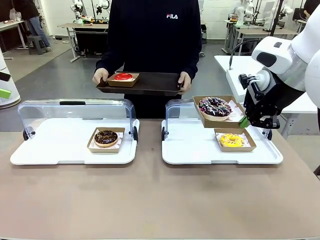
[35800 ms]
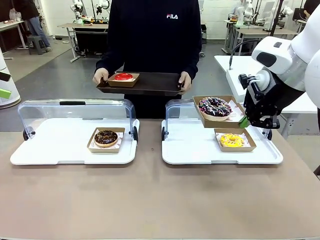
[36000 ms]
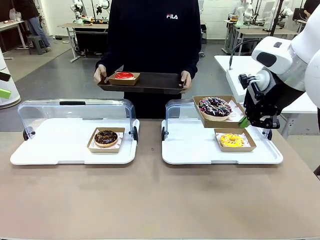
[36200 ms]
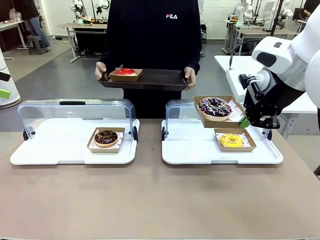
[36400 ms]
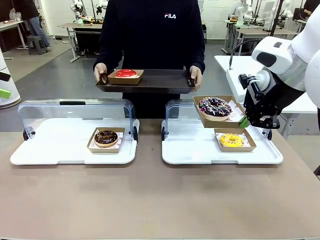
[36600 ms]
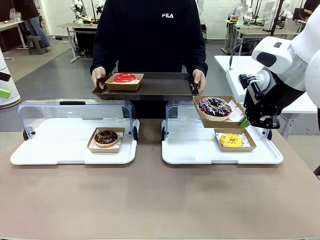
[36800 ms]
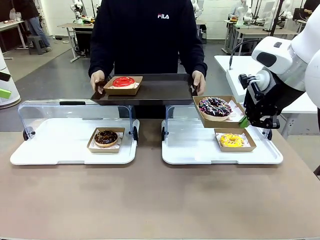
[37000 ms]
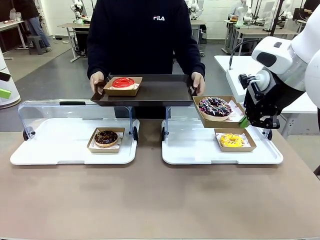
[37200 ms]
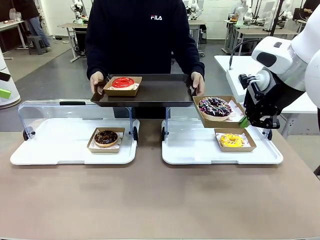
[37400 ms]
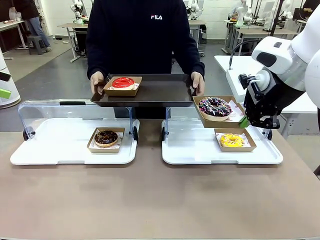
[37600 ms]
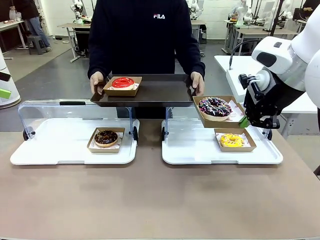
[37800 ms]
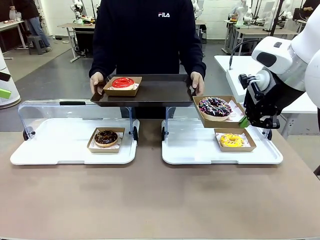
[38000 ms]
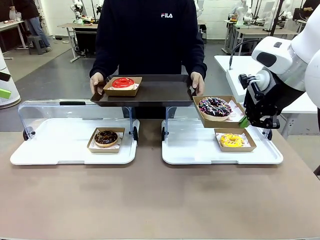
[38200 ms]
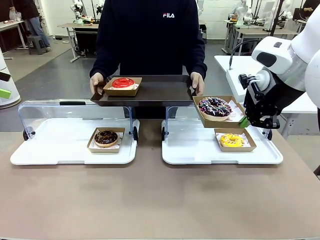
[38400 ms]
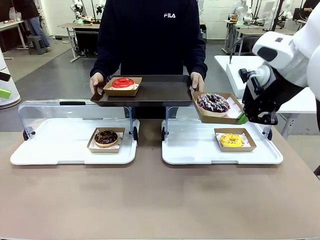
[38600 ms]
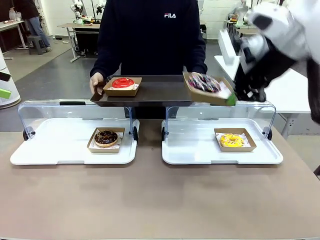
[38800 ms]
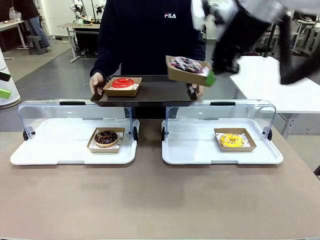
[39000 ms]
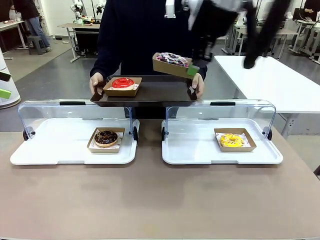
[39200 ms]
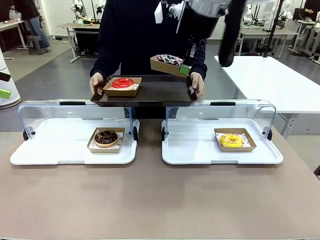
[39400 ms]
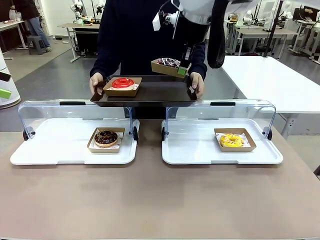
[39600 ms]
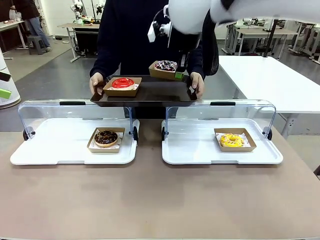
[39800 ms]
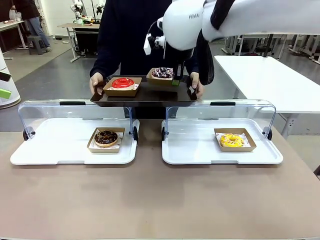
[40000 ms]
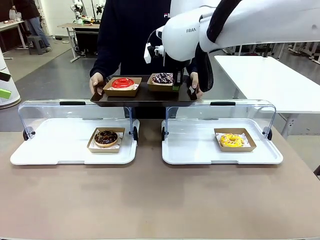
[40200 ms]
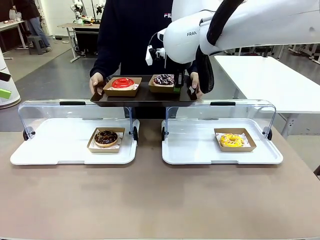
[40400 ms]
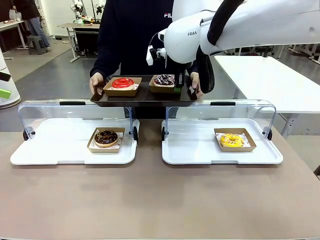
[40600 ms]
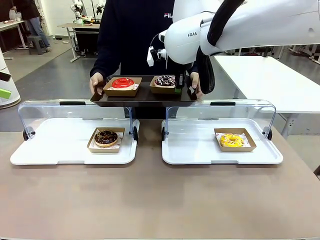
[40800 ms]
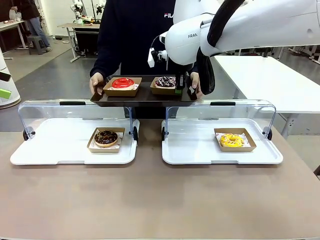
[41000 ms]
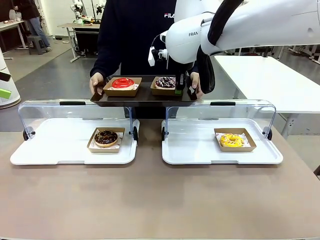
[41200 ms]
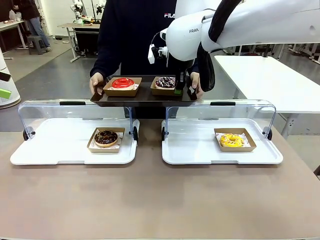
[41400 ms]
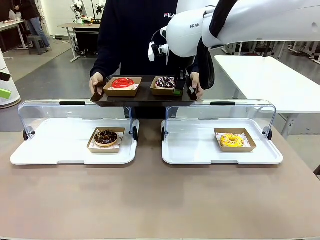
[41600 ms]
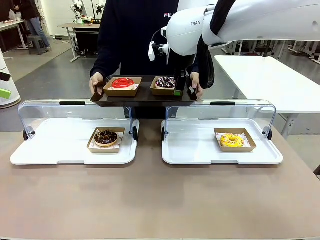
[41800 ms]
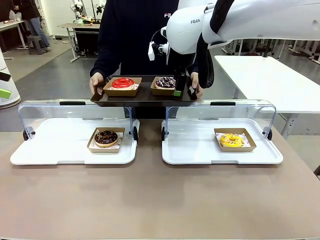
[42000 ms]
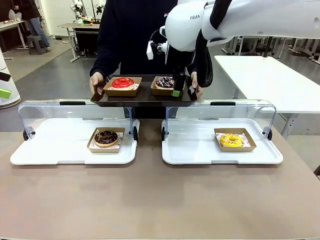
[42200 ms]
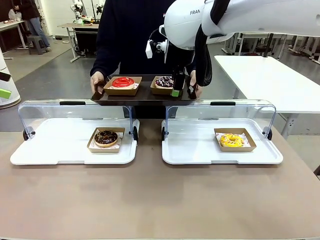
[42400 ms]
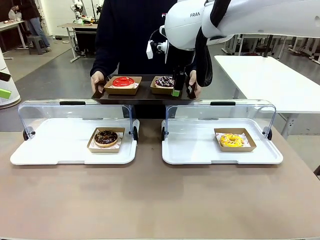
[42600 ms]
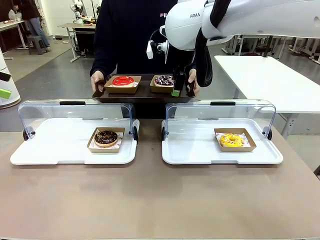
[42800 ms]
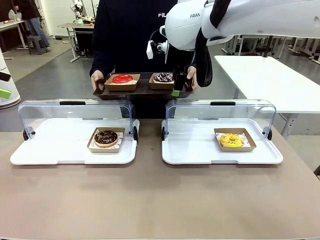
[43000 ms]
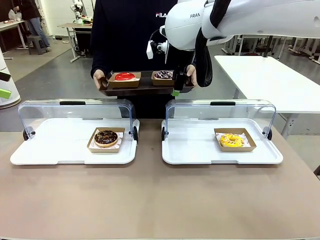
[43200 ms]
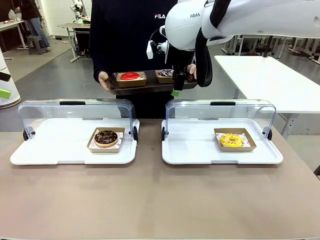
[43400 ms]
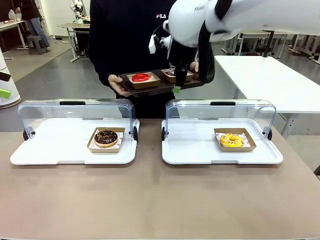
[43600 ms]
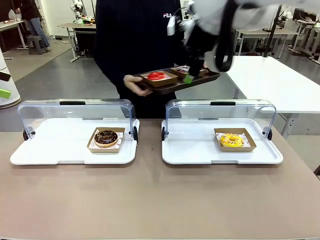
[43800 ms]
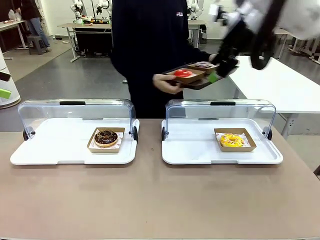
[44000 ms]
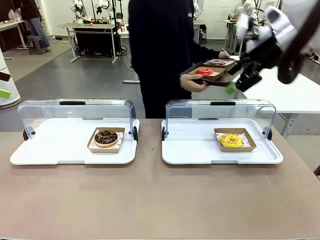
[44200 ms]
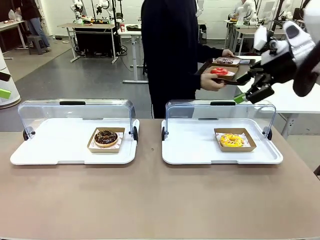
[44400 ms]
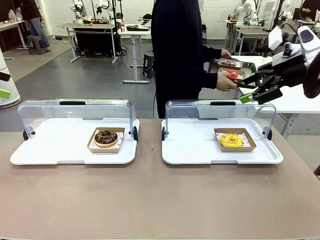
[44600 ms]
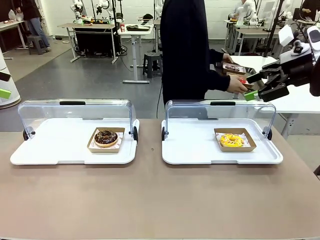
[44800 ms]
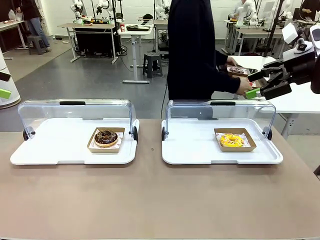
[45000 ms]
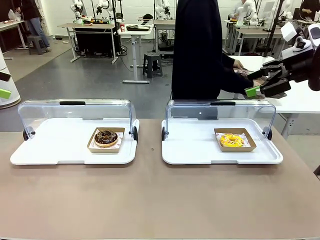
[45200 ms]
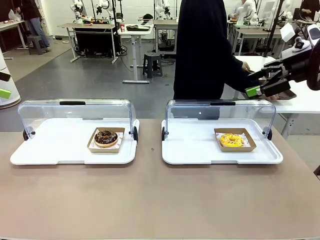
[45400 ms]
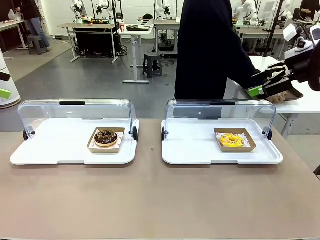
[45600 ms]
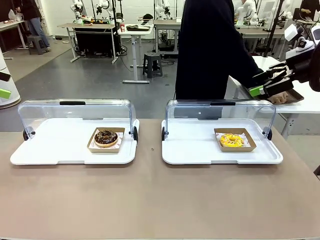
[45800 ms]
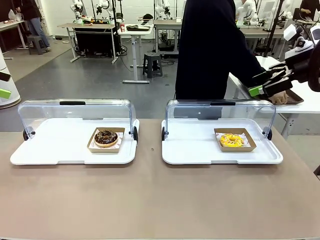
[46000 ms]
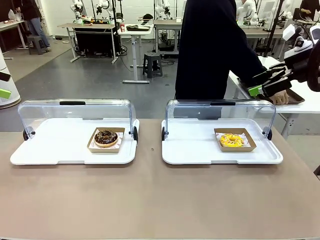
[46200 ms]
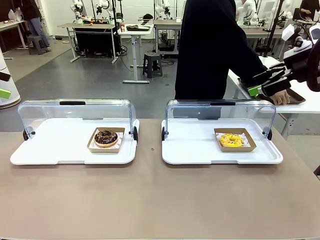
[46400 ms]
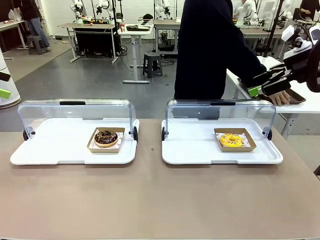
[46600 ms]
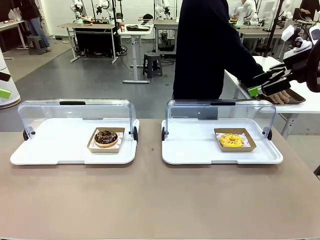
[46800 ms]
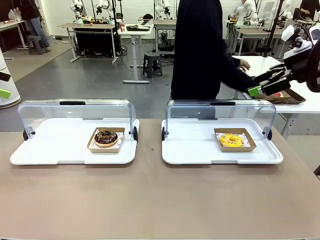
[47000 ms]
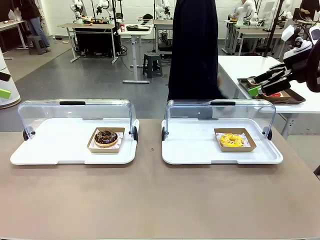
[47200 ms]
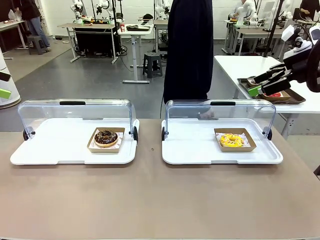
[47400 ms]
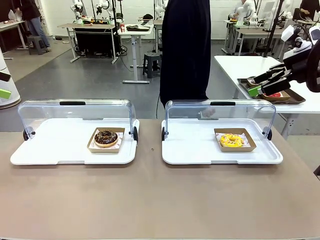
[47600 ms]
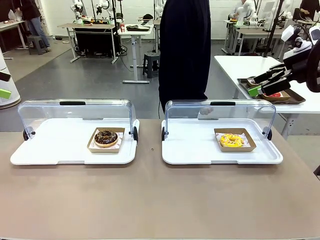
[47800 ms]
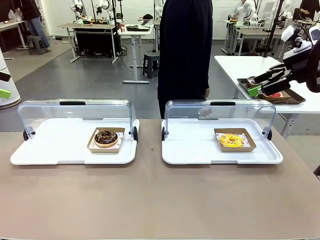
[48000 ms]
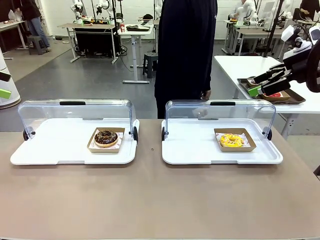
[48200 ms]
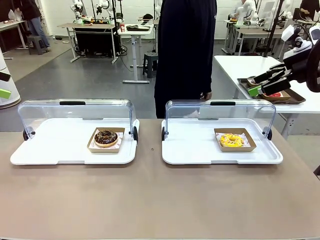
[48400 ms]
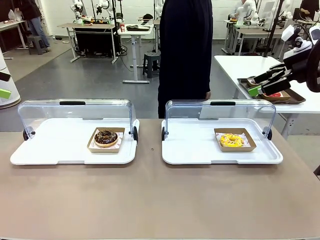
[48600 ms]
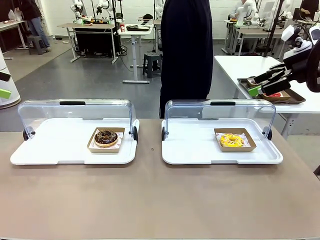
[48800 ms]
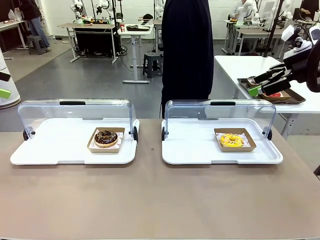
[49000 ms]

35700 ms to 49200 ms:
Task: Provide the desired donut to the person.
Robot: Place the picked Paper togo box onto the Handle tray extended by the person.
Person: Place the tray in the middle of the human table.

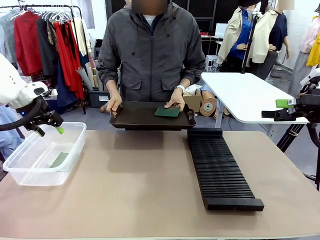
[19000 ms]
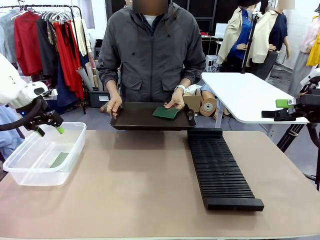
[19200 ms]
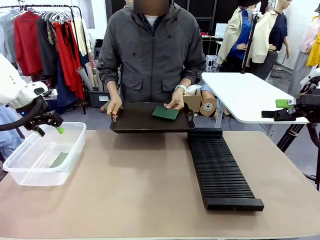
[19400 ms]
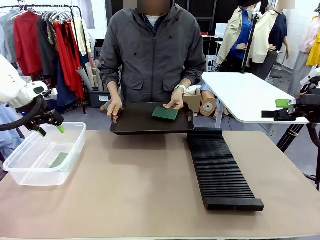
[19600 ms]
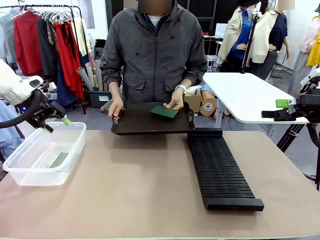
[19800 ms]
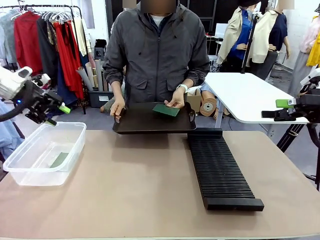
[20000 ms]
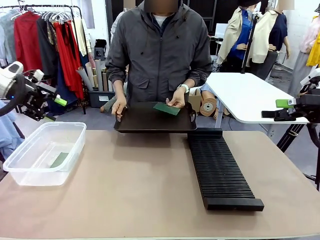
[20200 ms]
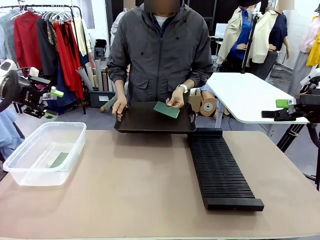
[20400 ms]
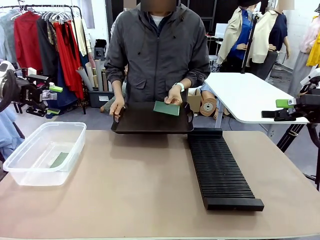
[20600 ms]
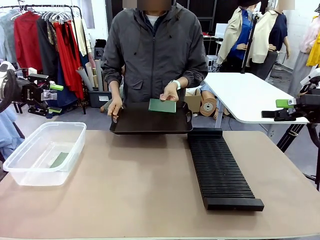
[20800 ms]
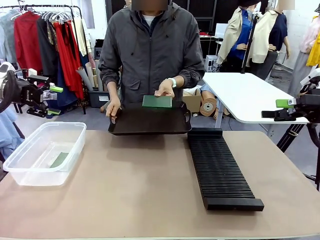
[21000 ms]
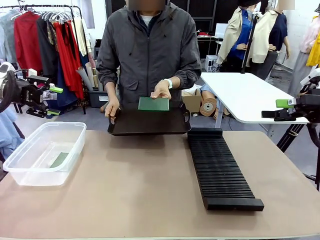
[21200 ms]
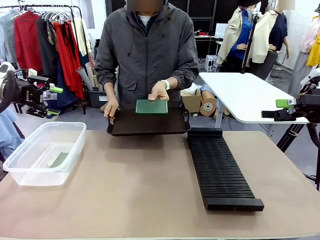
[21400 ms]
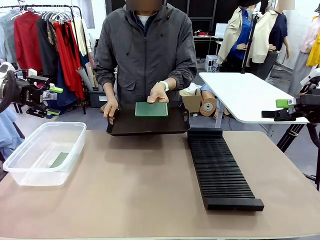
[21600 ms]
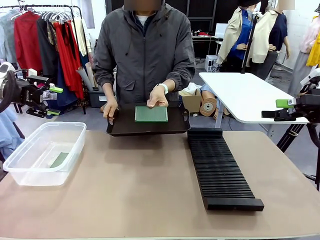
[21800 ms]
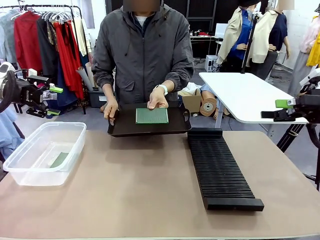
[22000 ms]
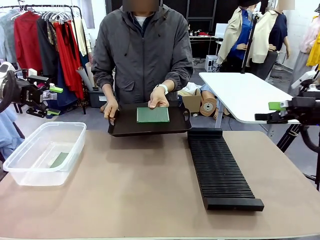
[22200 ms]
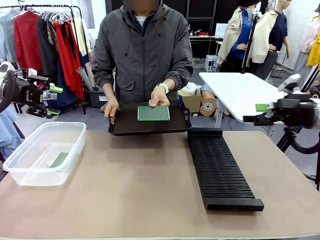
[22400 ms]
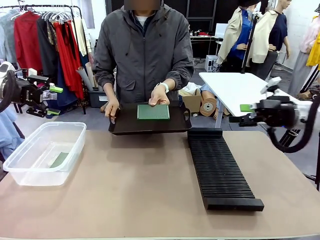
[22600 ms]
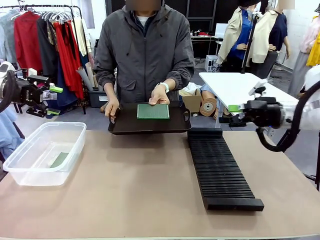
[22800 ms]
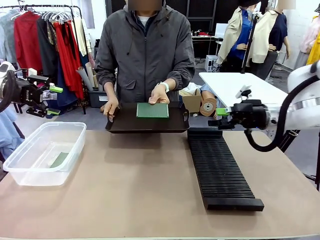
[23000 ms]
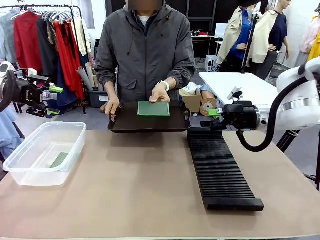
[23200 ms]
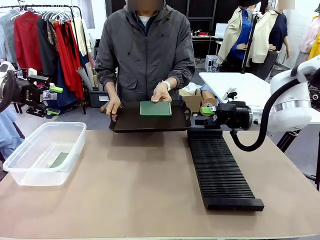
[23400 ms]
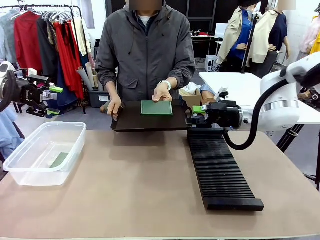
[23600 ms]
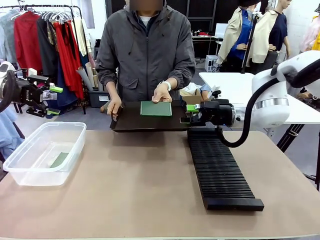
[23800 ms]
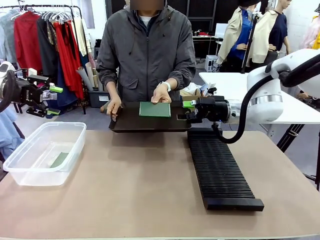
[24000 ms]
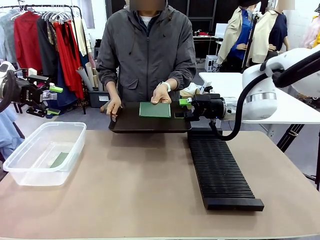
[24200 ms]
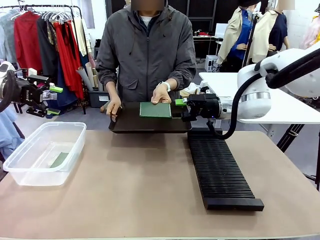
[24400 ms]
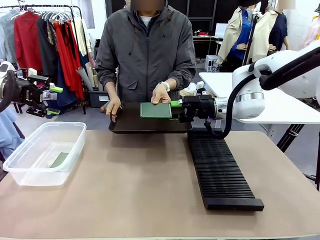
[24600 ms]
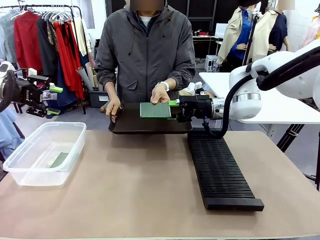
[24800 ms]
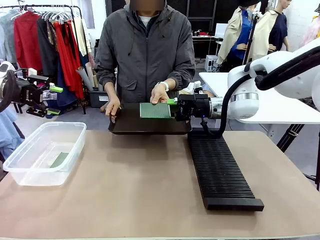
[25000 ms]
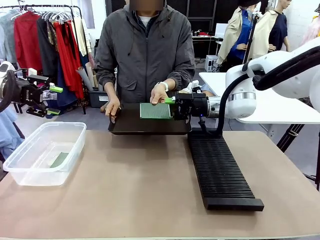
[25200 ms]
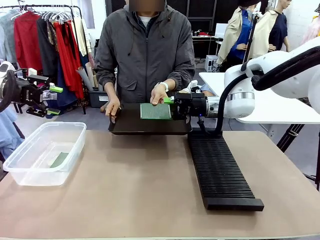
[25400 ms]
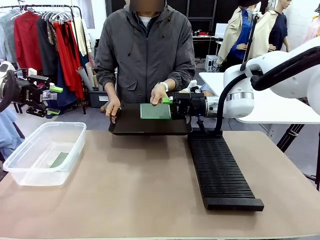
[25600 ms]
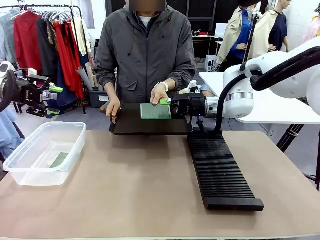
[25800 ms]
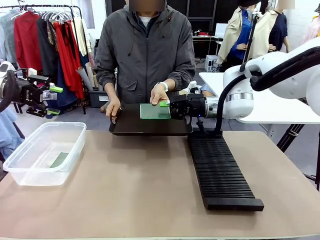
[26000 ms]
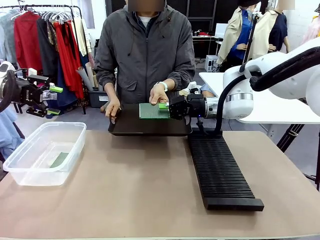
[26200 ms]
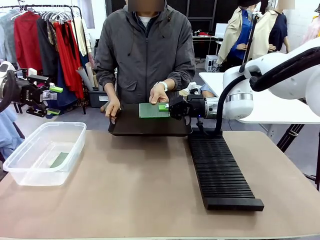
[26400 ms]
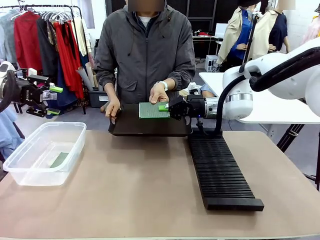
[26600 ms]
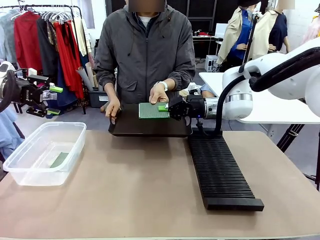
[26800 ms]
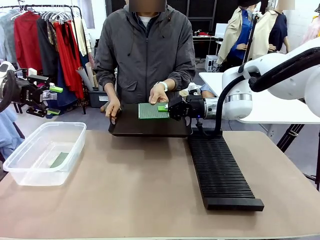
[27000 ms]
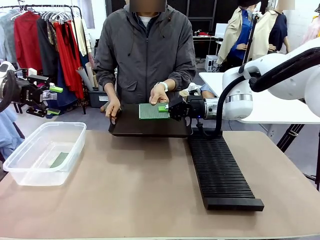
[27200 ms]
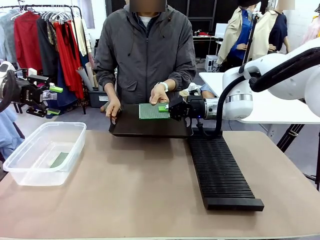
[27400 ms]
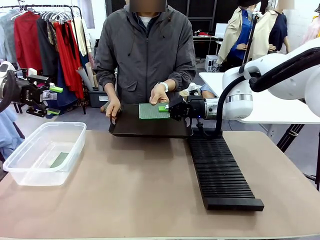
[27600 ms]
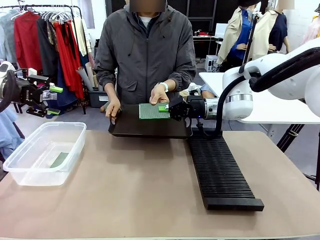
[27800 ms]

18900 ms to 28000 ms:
Task: Sort PCBs into racks and boxes based on the side picked up.
Robot: Pick up the Blank PCB handed by the Human.
